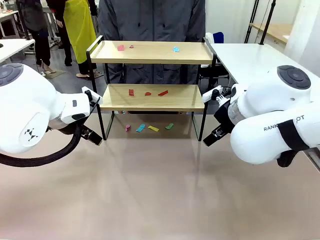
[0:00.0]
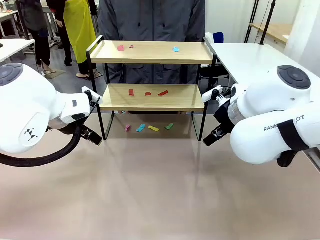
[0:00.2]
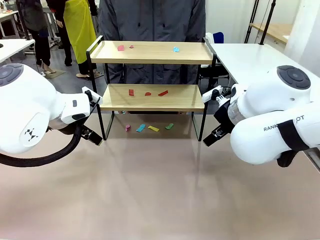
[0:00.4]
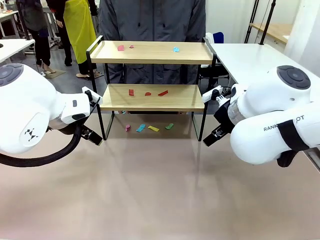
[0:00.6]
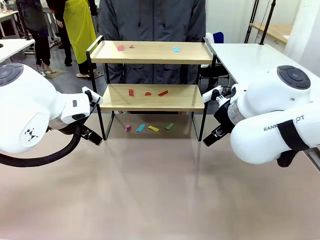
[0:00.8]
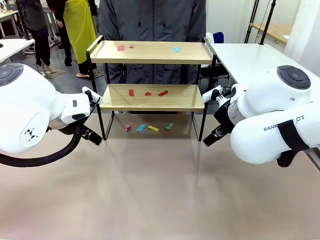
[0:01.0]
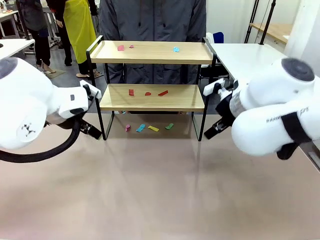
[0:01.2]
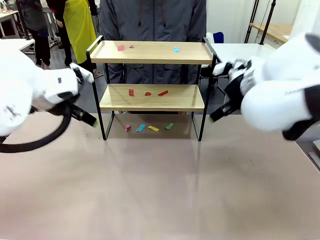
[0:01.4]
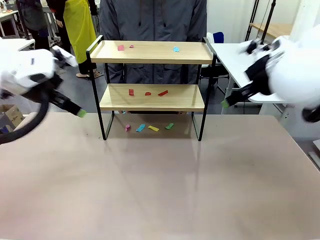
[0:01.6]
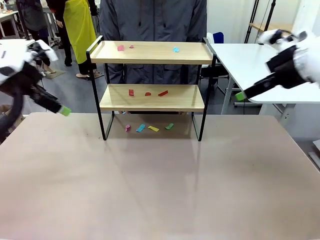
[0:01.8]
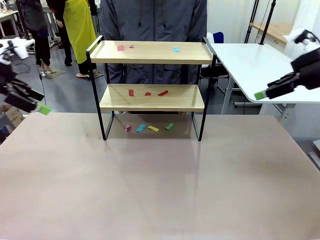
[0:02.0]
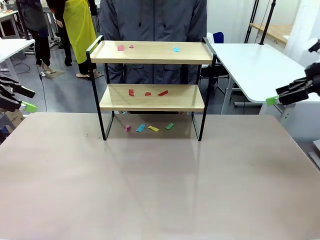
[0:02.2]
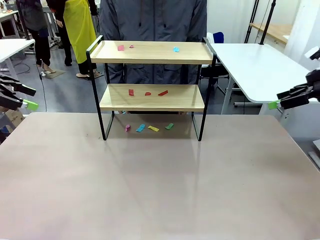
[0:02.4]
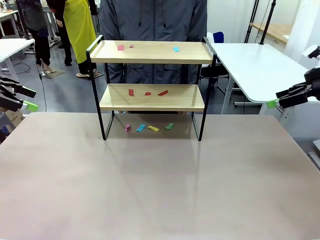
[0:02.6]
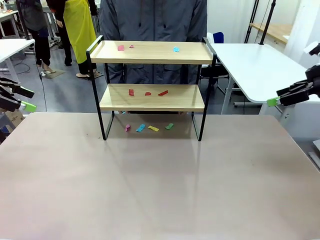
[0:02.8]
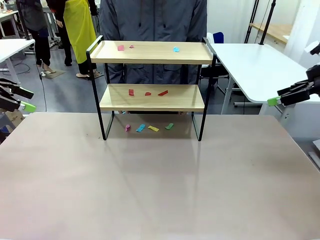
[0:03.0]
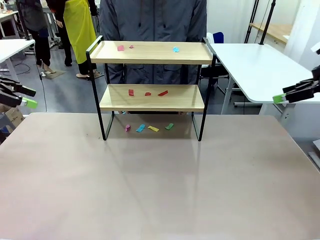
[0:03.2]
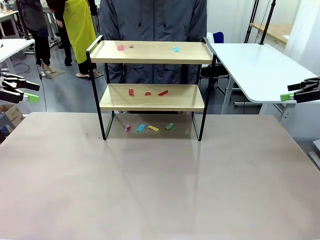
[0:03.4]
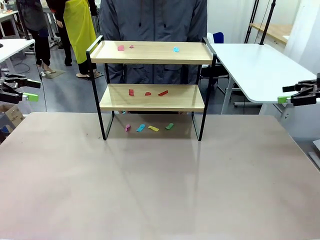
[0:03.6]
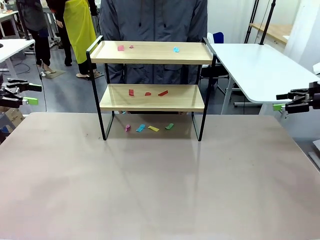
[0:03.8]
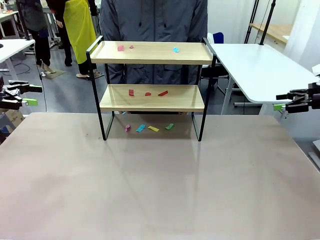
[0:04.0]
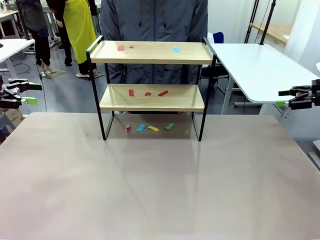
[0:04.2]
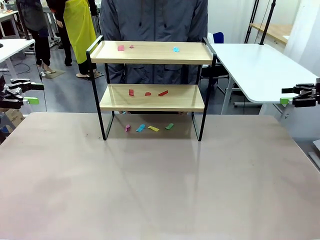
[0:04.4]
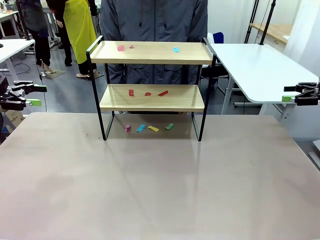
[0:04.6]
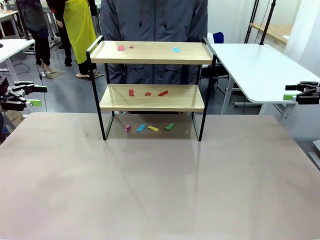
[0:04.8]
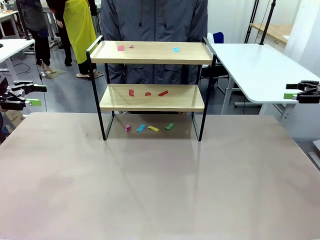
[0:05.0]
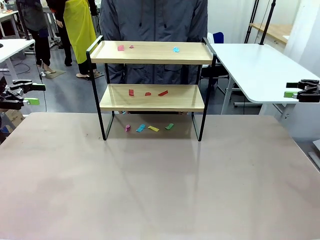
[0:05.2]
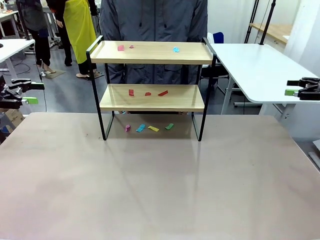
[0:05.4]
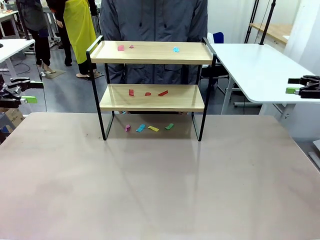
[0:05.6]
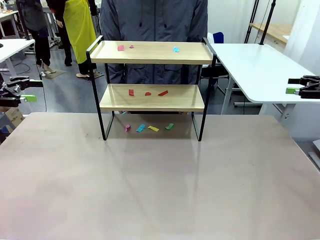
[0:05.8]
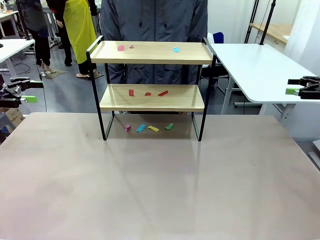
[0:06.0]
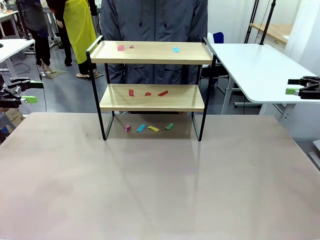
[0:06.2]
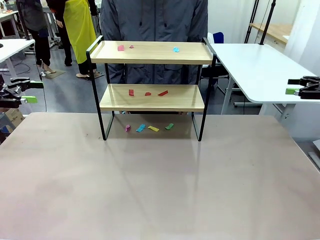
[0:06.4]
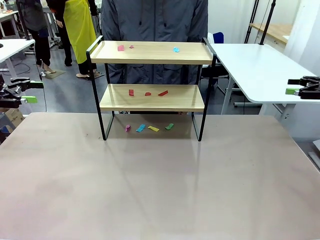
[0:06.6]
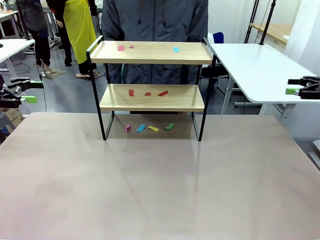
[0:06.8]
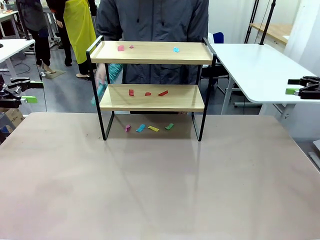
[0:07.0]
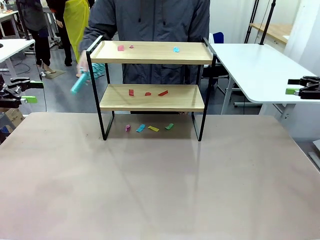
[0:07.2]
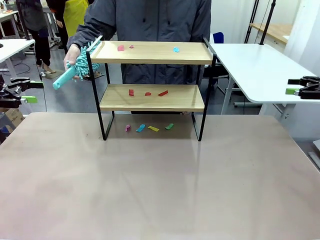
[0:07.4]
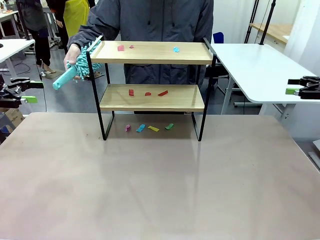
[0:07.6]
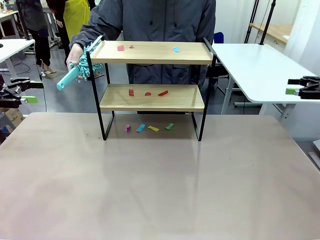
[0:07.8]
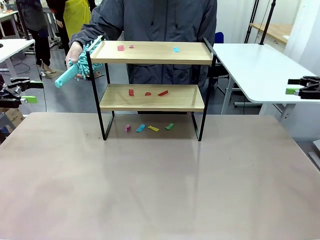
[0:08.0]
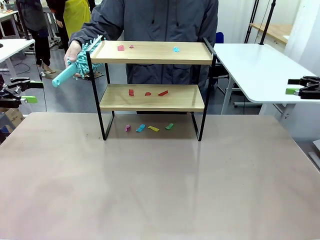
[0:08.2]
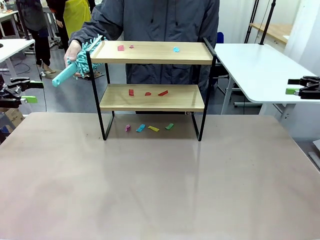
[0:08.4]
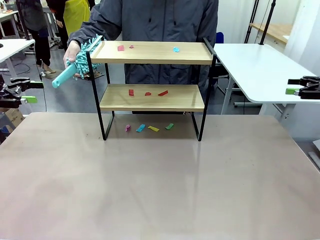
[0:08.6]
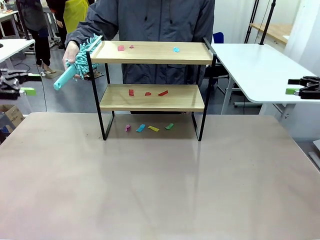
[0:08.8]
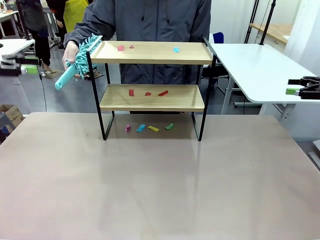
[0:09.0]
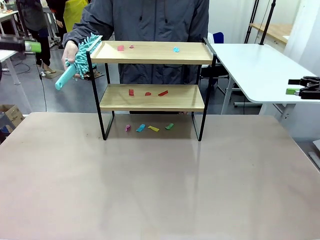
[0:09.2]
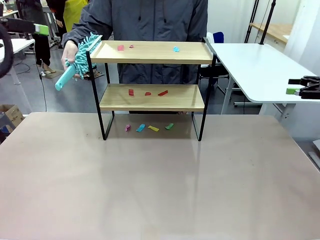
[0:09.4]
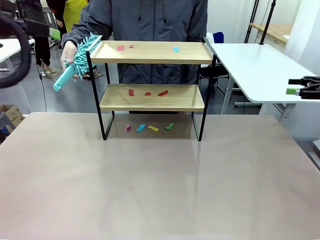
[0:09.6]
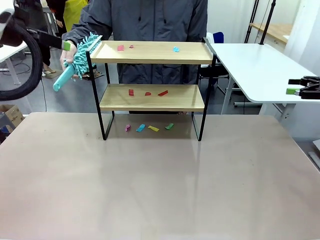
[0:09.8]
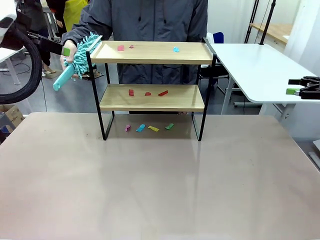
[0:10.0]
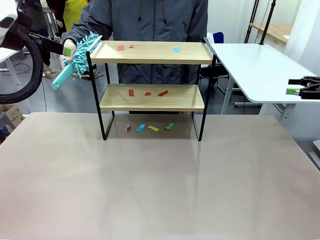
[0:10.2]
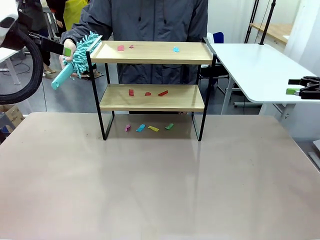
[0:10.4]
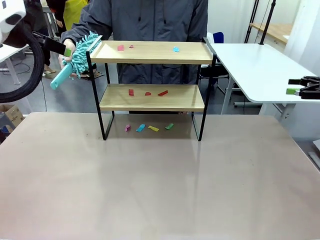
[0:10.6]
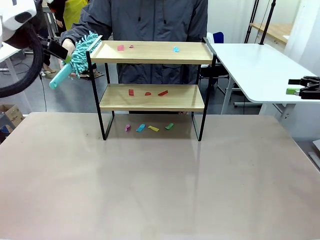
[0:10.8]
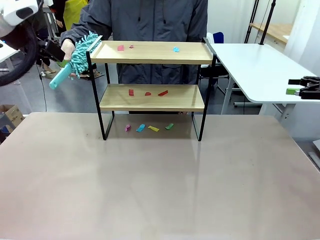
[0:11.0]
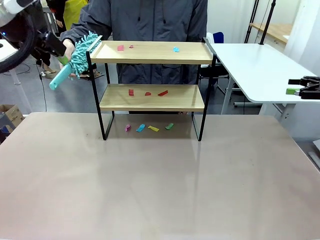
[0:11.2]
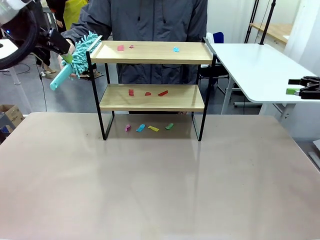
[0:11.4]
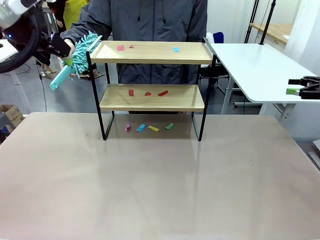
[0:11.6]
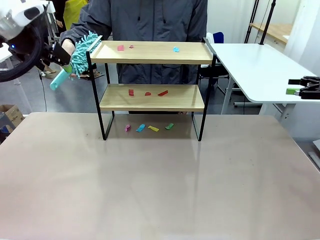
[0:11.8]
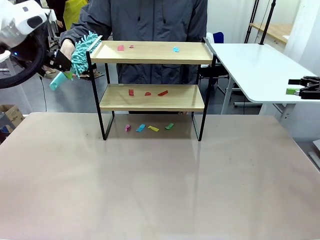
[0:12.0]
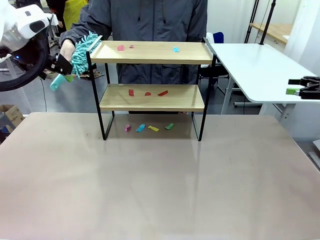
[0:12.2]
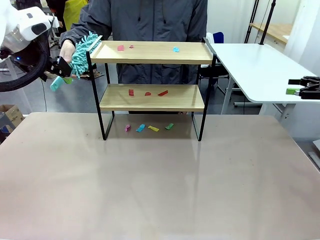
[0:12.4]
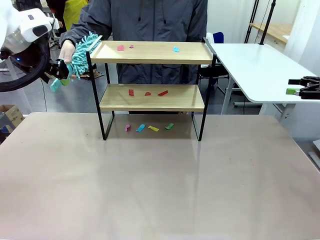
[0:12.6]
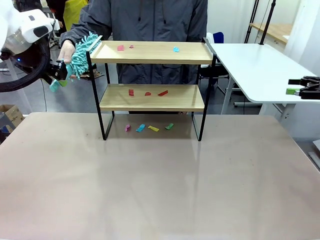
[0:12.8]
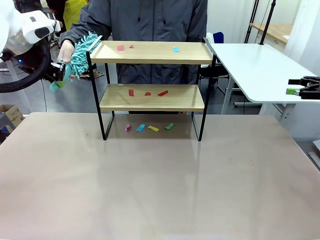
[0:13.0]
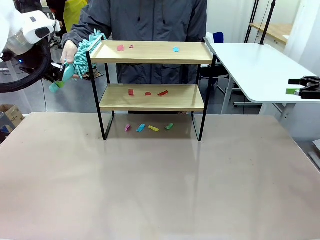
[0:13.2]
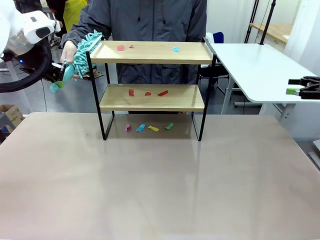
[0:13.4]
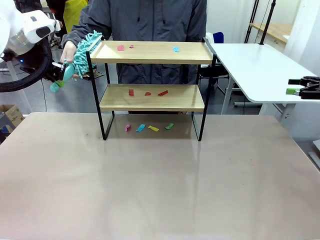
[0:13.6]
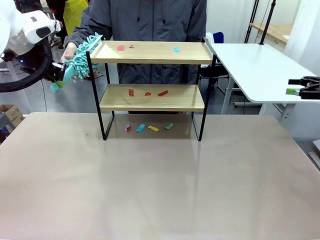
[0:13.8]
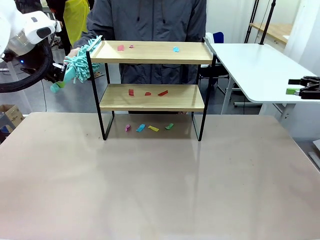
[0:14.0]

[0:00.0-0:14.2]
Task: Clean the shelf.
Robot: Pick up the Duster handed by the human.
Person: Hand the Duster to the robot.
